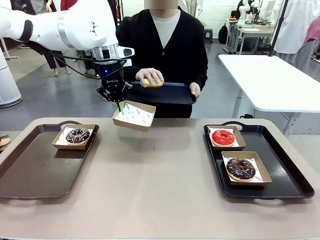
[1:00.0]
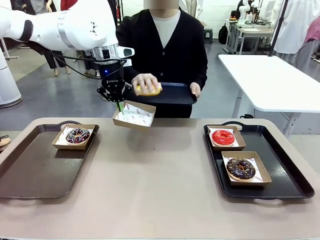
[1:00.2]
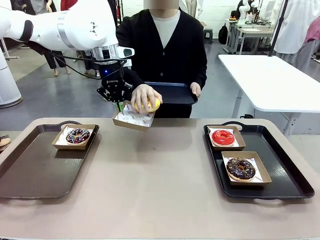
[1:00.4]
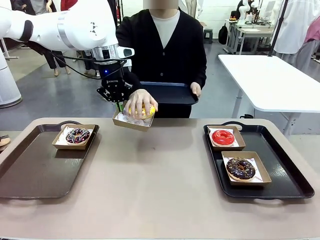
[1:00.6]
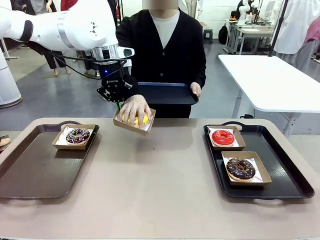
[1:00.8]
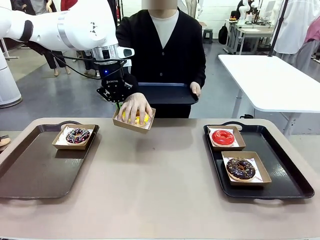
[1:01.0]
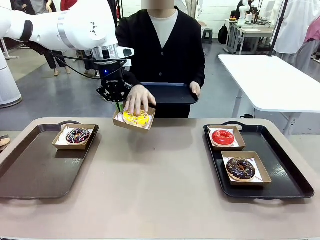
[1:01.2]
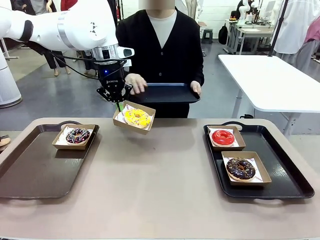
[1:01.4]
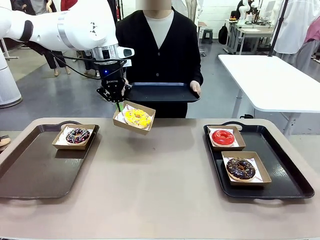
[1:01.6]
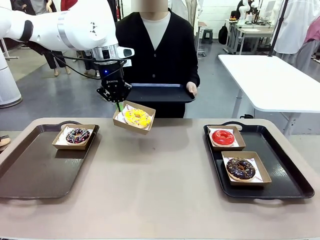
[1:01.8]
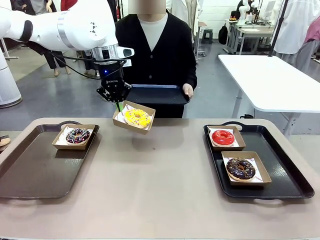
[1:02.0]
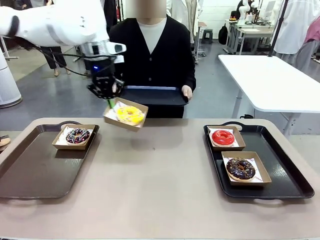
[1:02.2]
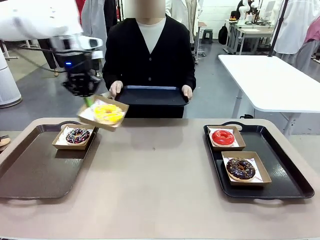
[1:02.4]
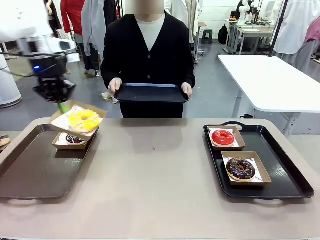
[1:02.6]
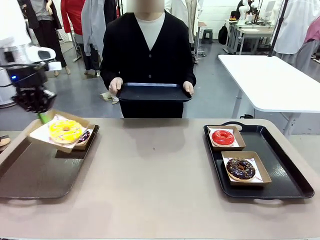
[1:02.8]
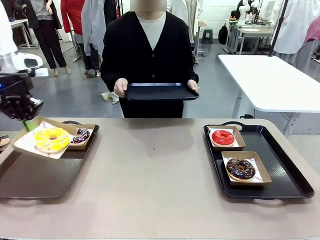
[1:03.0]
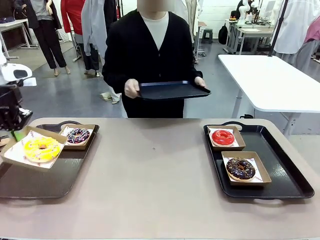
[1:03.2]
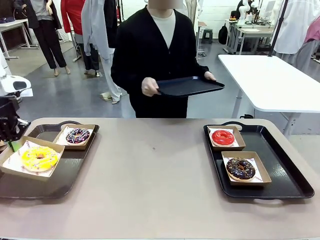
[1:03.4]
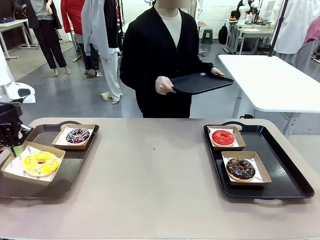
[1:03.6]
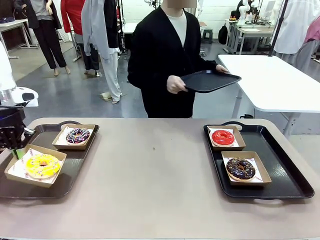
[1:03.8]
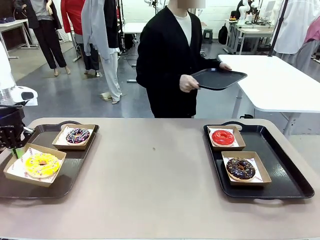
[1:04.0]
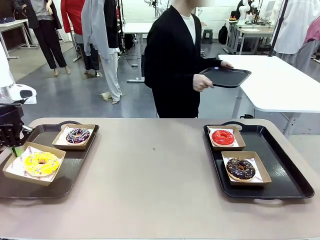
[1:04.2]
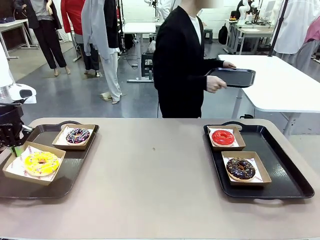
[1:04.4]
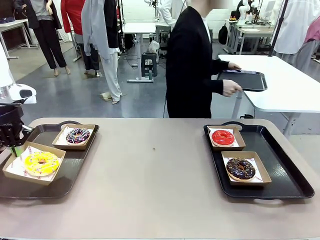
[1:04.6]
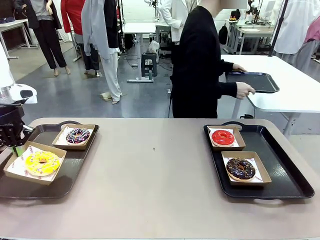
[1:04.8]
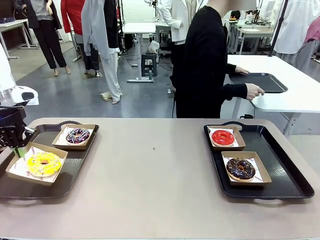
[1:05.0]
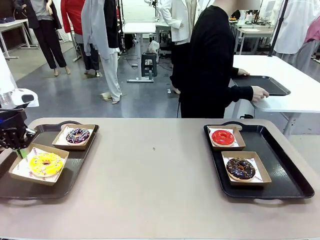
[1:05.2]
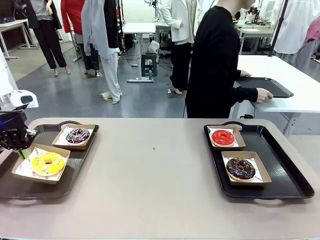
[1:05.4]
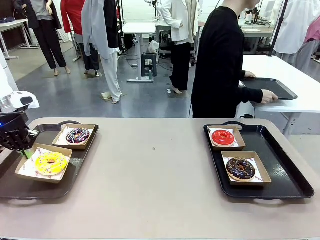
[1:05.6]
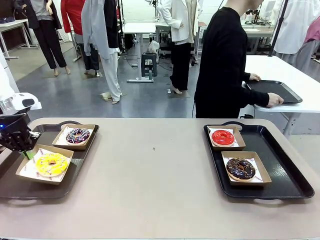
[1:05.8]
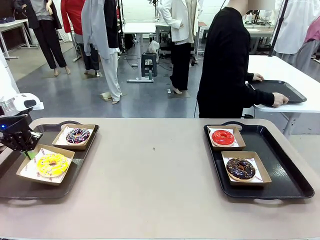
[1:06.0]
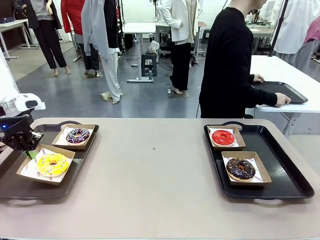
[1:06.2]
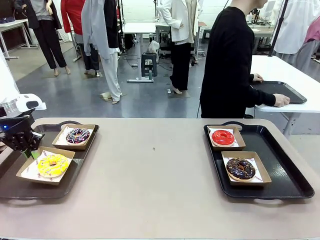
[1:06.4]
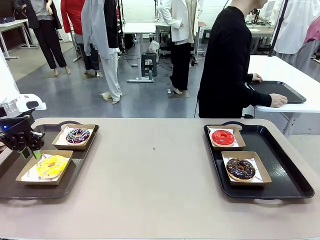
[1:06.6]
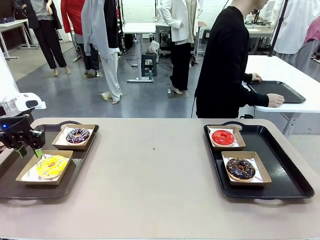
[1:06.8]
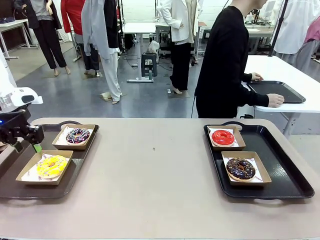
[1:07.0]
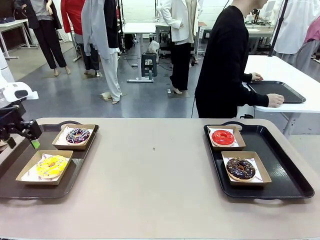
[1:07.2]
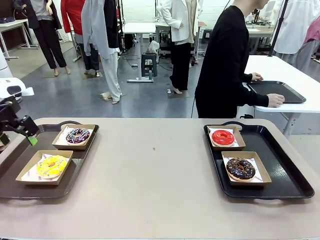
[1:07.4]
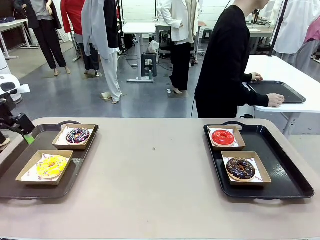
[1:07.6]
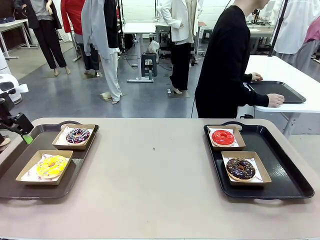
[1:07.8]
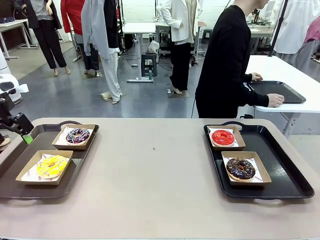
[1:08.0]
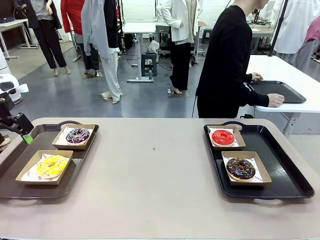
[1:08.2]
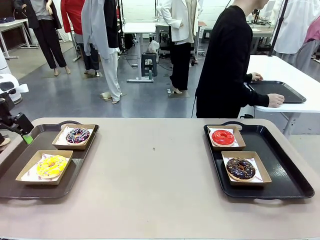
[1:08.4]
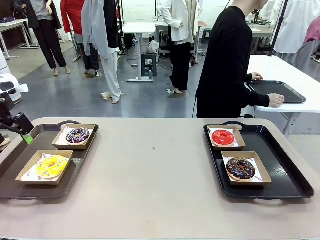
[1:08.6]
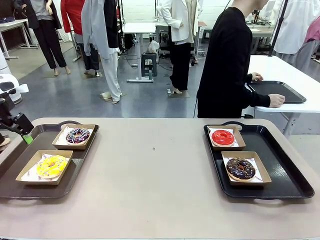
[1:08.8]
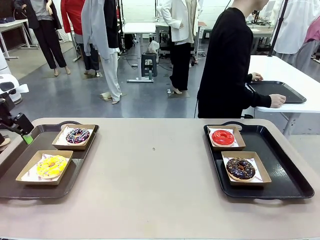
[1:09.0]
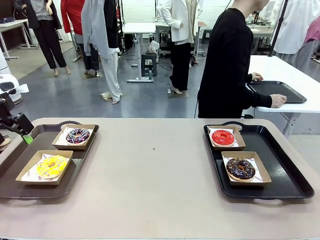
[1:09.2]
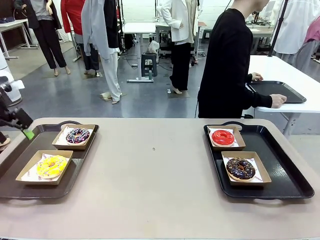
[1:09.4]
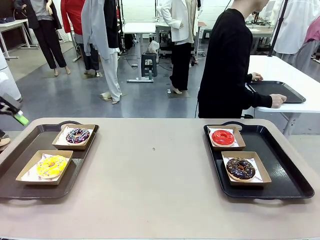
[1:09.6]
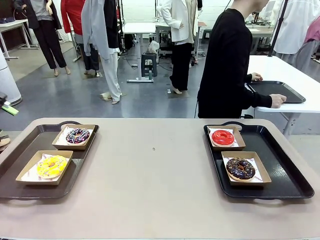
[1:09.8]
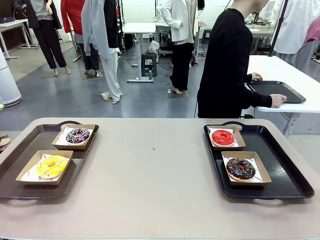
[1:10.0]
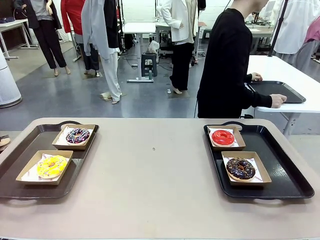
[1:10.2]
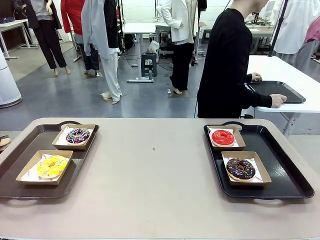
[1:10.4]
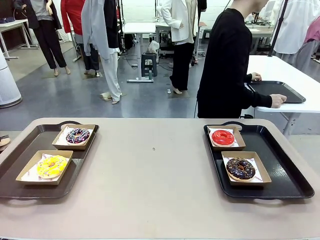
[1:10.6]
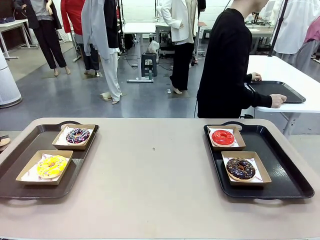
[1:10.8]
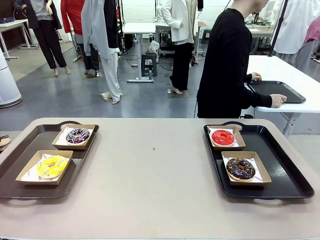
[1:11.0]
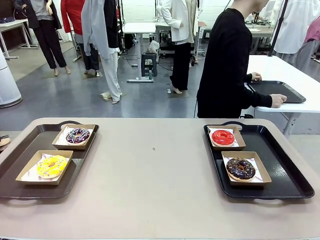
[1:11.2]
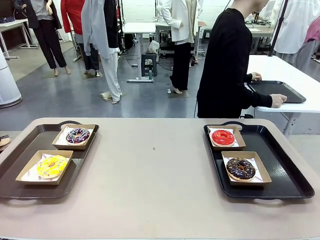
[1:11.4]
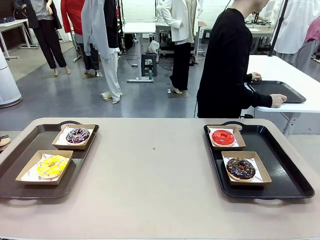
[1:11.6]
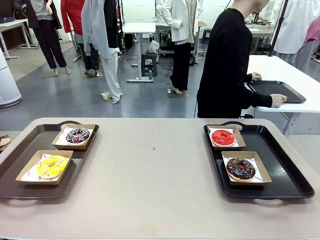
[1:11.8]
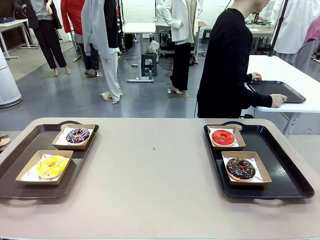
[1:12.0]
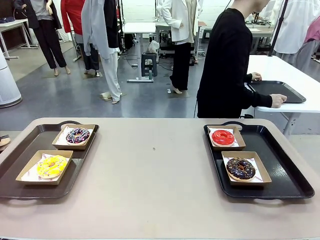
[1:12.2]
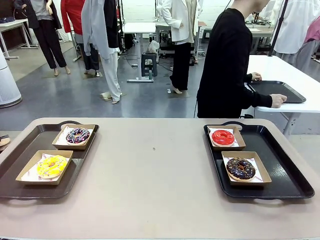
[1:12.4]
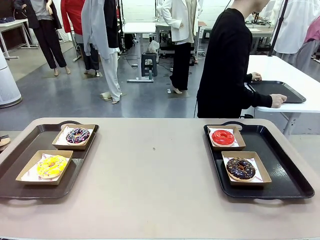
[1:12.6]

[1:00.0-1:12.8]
Task: Individually package the donuts and arrange them on the tray.
Robot: Place the picked Paper togo box on the Handle tray.
Person: Place the tray down in the middle of the human table.

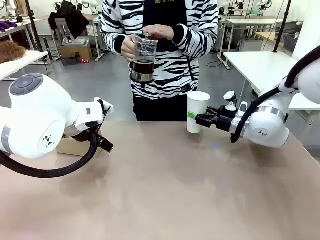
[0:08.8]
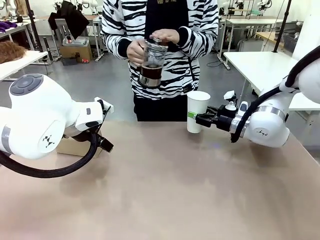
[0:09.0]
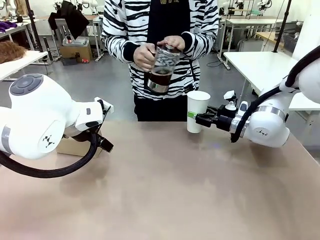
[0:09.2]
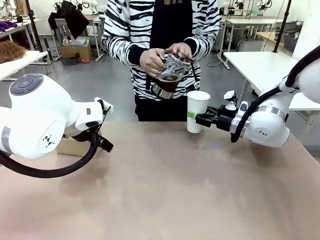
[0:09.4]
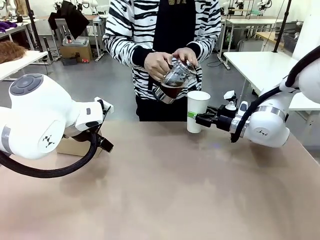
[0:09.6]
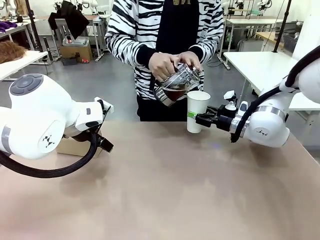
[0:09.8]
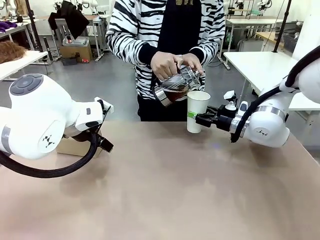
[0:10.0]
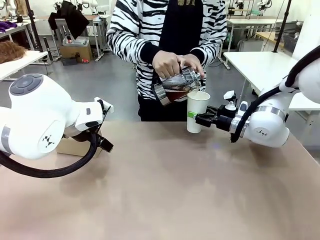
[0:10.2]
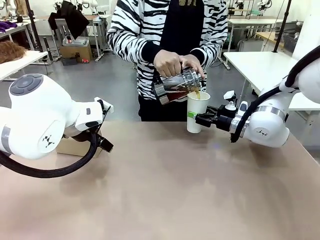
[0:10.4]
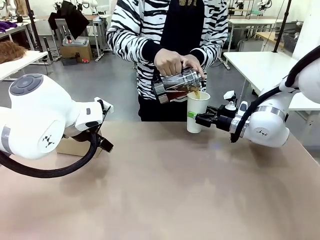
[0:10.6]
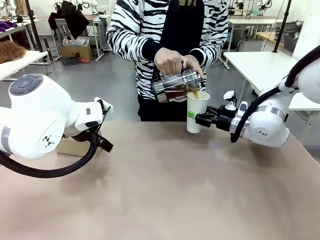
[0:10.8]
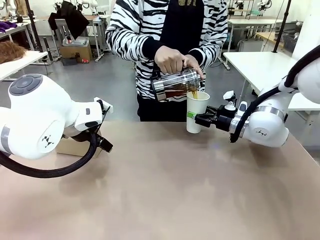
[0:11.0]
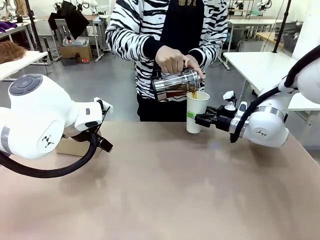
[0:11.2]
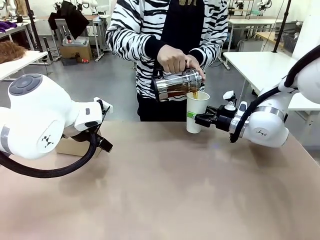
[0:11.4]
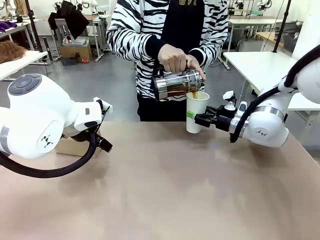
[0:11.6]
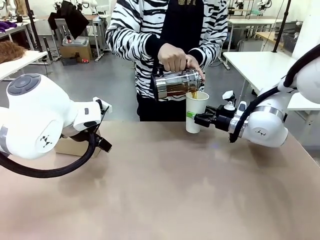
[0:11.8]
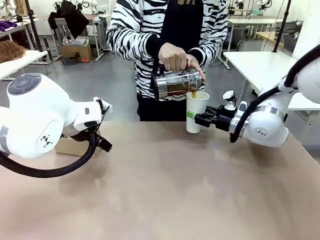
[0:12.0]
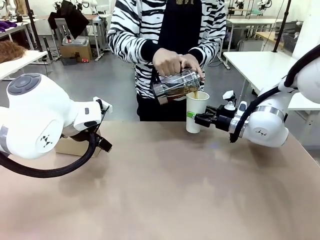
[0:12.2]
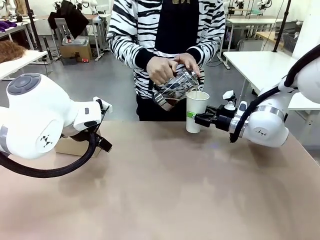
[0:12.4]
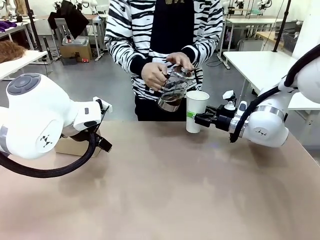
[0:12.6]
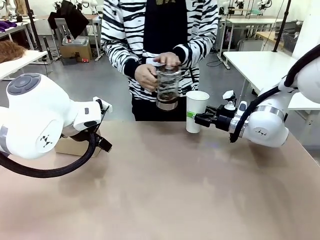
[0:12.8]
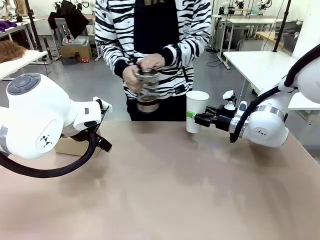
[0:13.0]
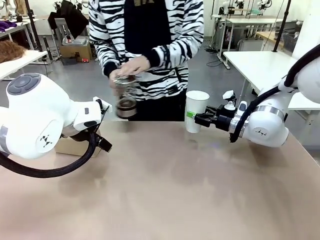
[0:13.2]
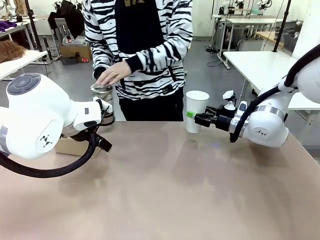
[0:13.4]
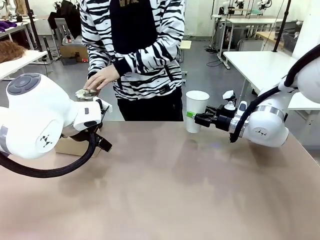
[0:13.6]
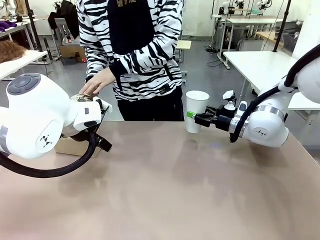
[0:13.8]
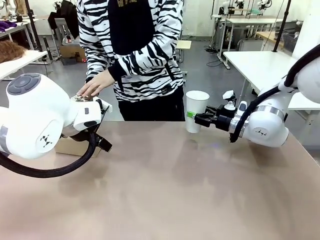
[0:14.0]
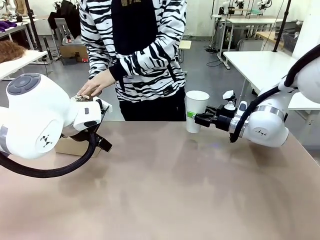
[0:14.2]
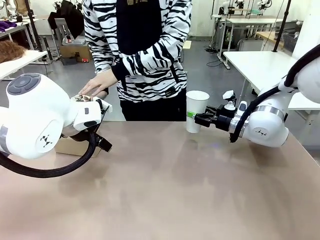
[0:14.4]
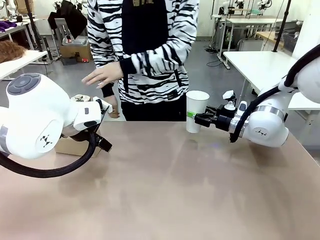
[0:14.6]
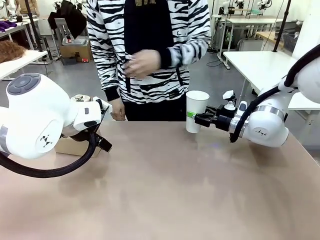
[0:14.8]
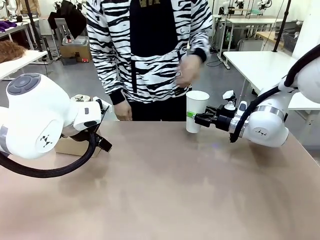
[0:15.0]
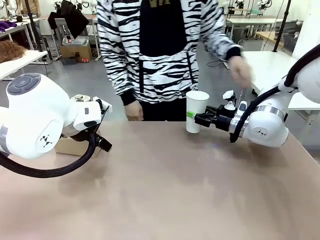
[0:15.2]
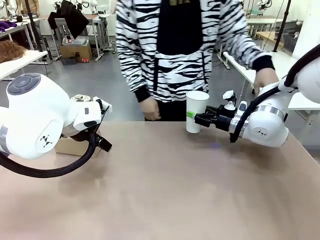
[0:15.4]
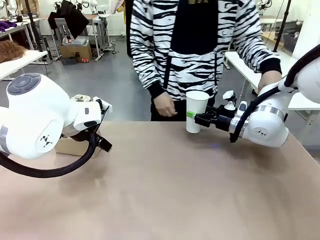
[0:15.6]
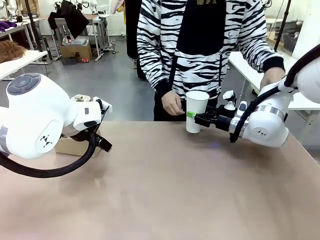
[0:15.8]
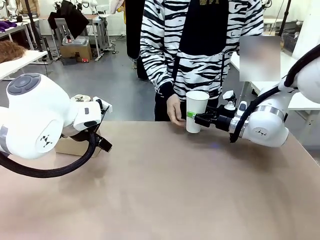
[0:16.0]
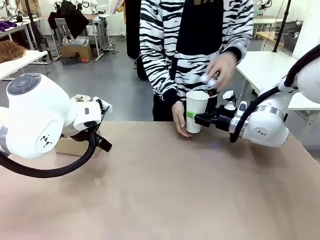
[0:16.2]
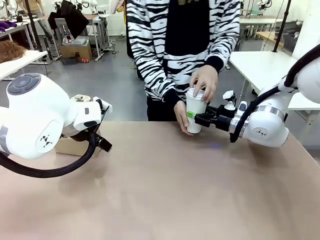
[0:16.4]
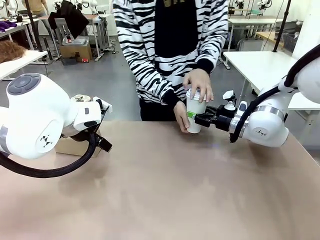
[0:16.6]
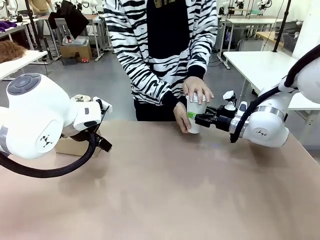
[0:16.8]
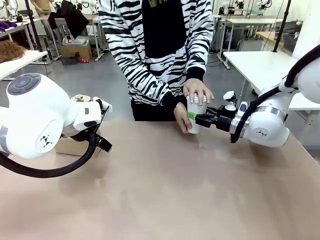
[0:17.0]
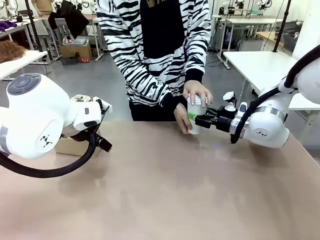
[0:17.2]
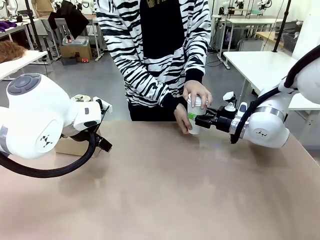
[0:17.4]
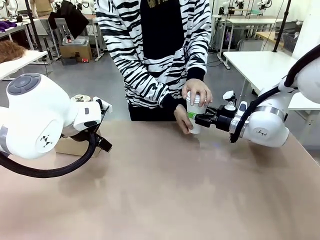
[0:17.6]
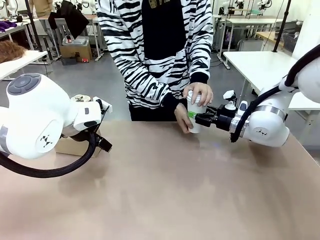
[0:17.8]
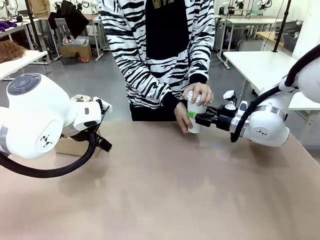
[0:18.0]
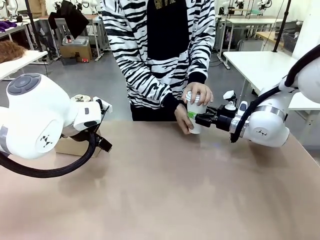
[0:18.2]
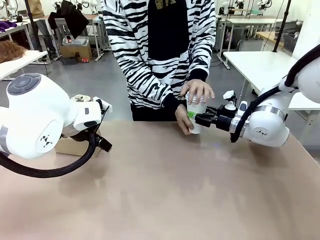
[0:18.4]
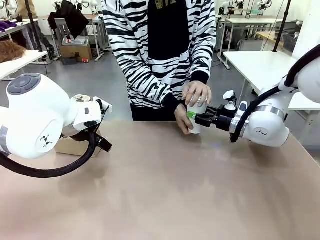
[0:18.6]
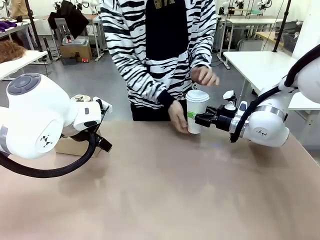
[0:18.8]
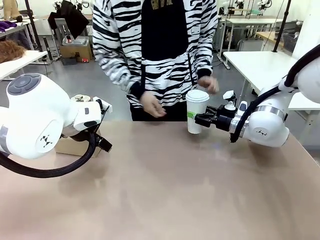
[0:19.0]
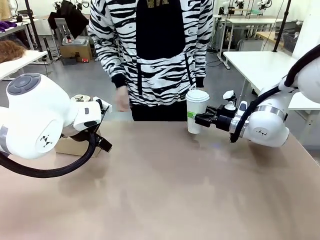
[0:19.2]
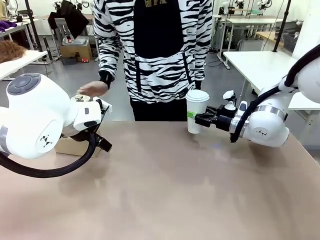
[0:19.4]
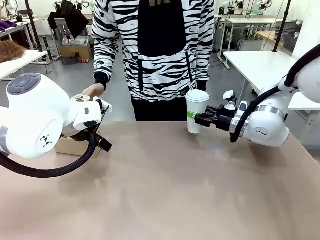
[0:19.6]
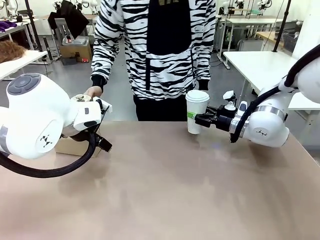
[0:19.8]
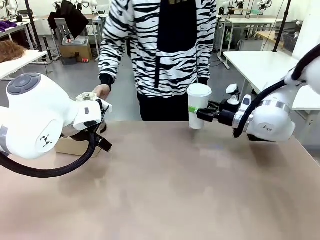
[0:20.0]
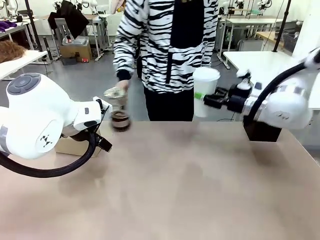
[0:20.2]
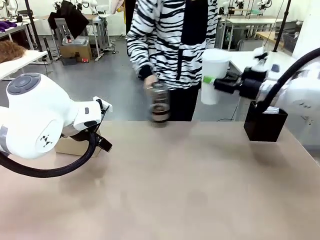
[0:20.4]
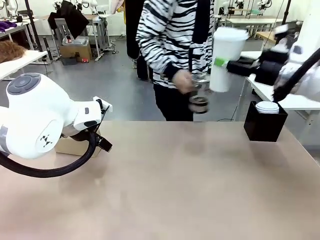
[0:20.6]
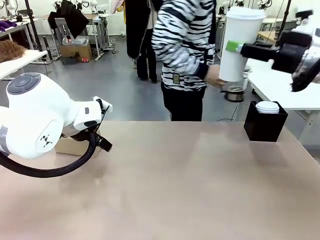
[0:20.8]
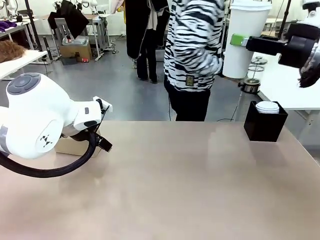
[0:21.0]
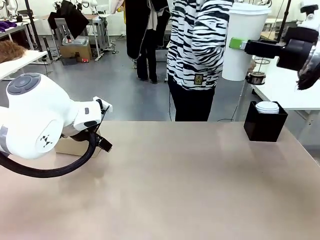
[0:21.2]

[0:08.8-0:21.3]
Task: Pour a drink into a cup and package it in a carrier.
Robot: When a person places the Paper Cup Lid on the 600 ml Paper Cup , lift the 600 ml Paper Cup.
Person: Pour the drink from the Filter Brewing into the 600 ml Paper Cup. Place a Paper Cup Lid on the 600 ml Paper Cup.
